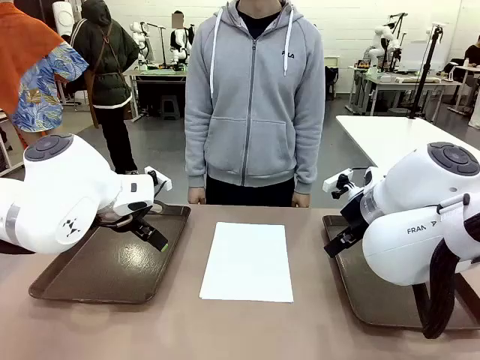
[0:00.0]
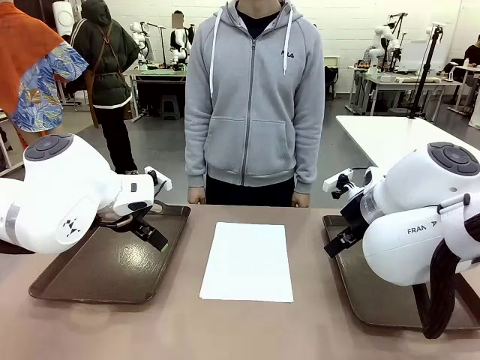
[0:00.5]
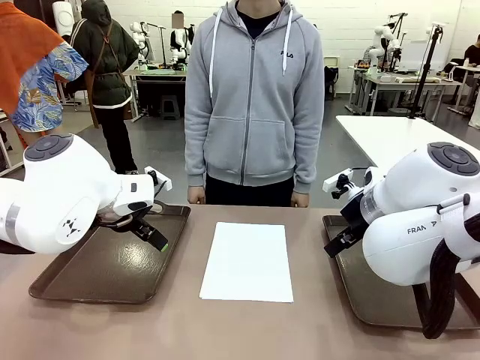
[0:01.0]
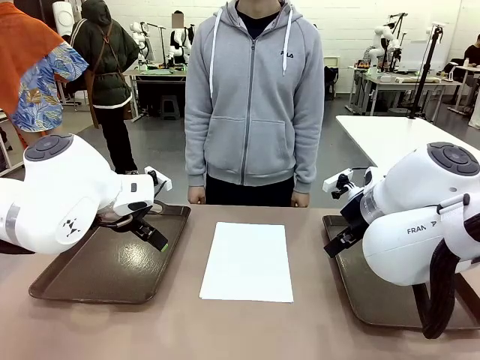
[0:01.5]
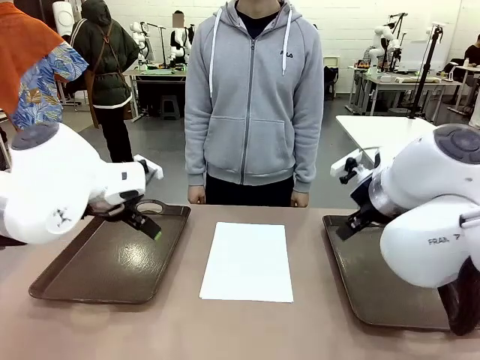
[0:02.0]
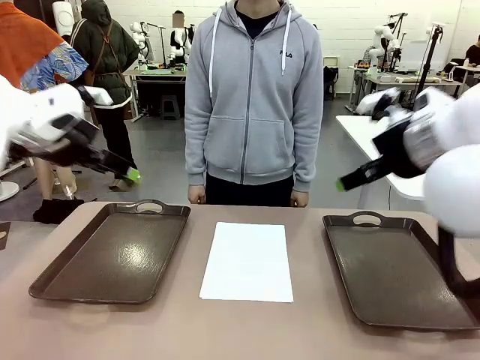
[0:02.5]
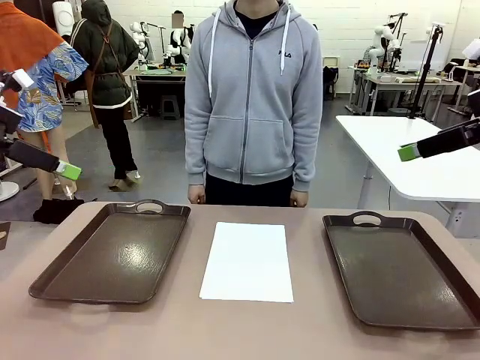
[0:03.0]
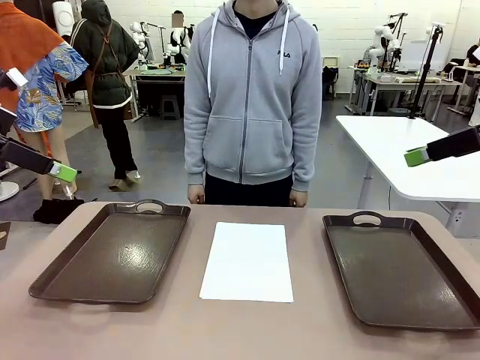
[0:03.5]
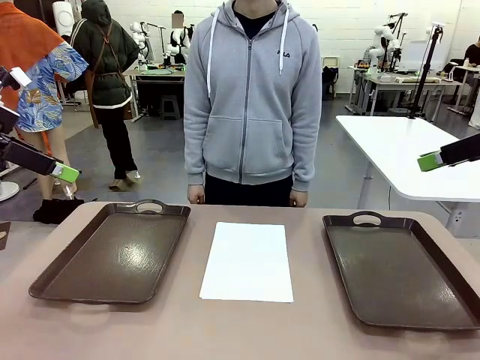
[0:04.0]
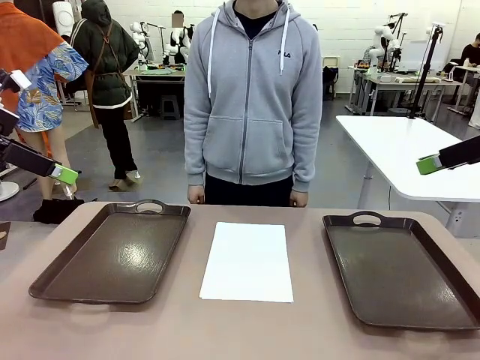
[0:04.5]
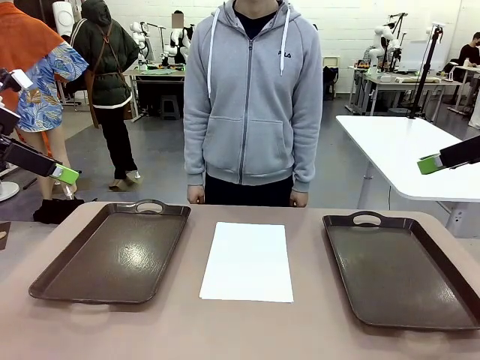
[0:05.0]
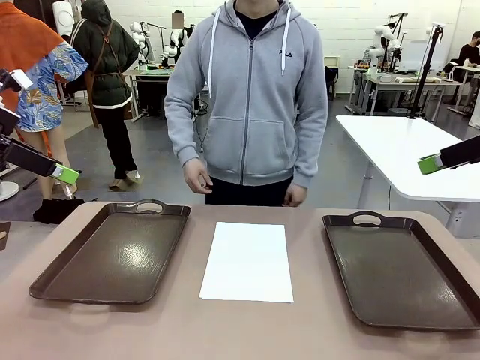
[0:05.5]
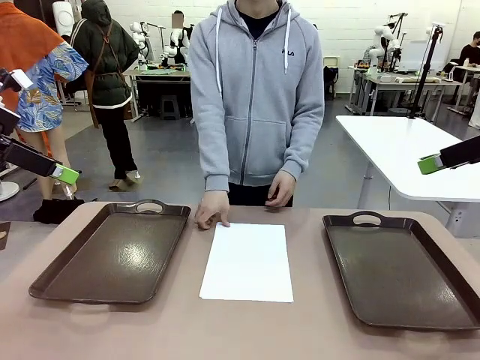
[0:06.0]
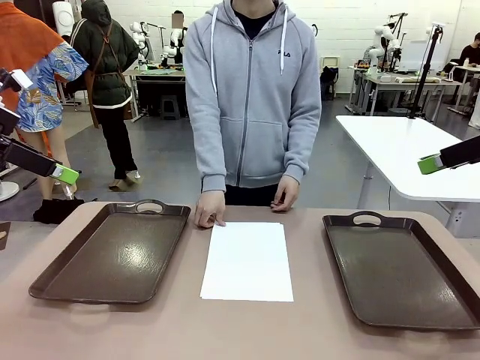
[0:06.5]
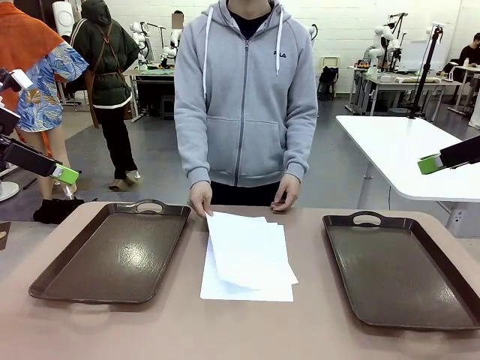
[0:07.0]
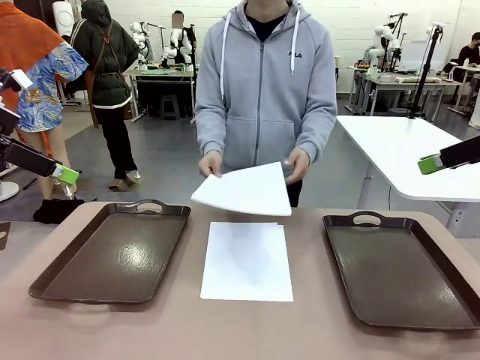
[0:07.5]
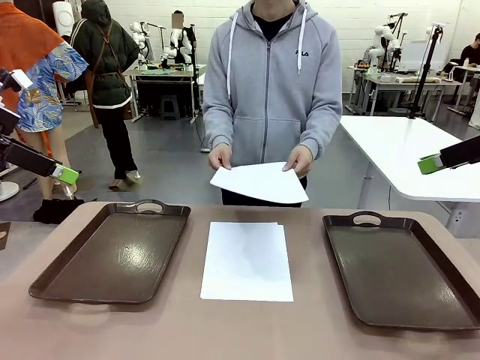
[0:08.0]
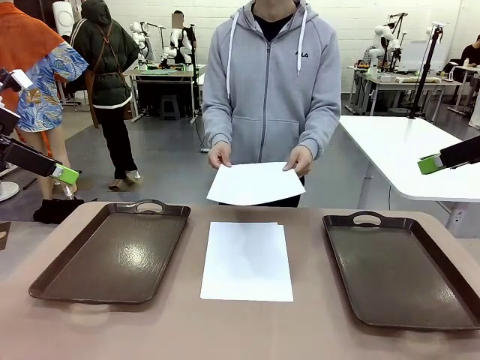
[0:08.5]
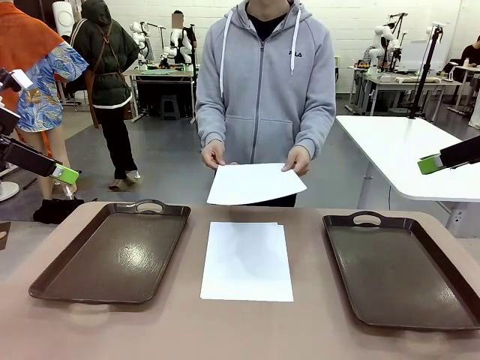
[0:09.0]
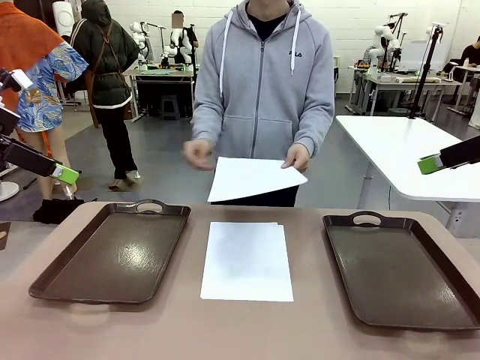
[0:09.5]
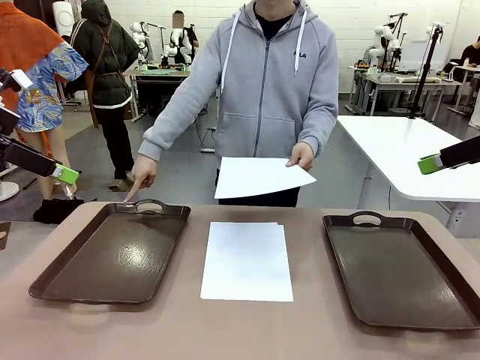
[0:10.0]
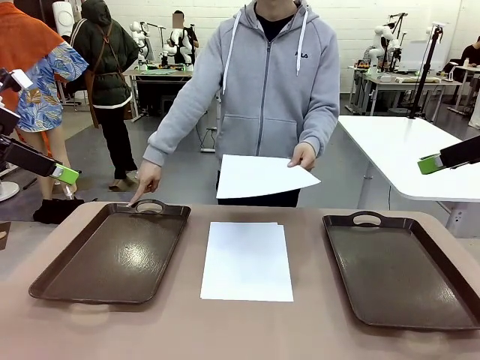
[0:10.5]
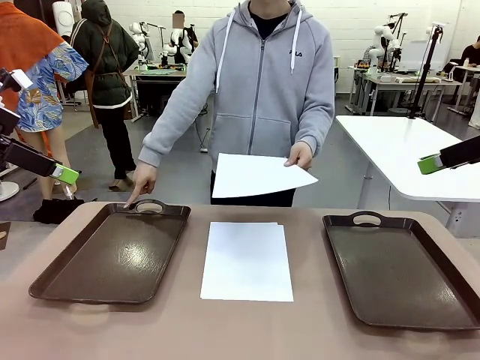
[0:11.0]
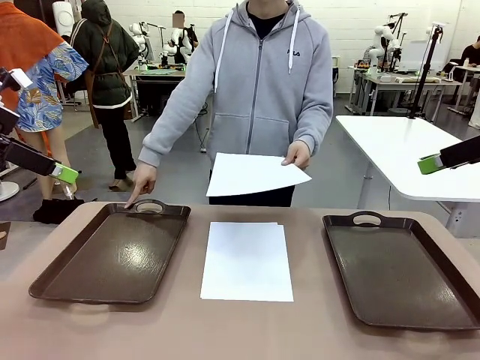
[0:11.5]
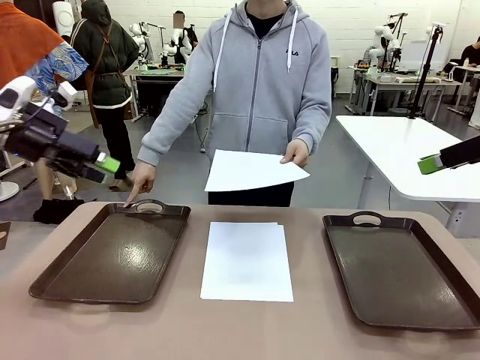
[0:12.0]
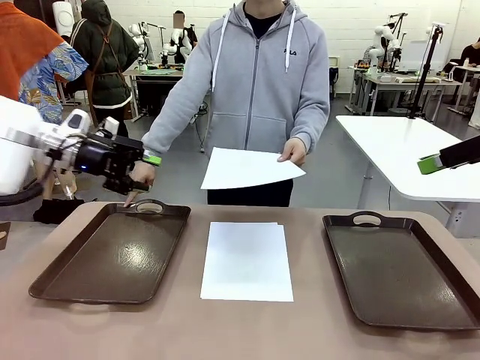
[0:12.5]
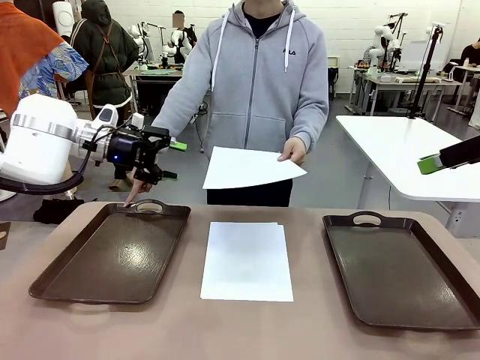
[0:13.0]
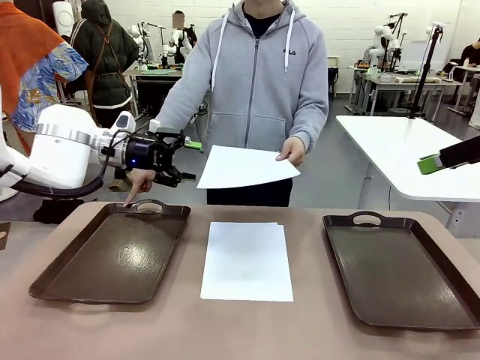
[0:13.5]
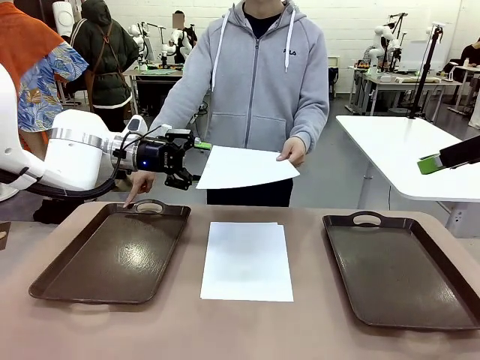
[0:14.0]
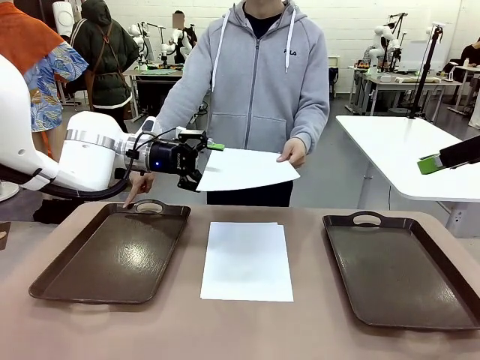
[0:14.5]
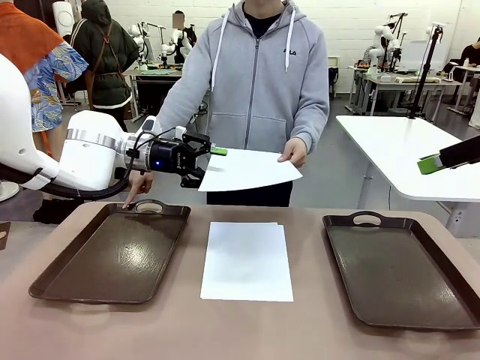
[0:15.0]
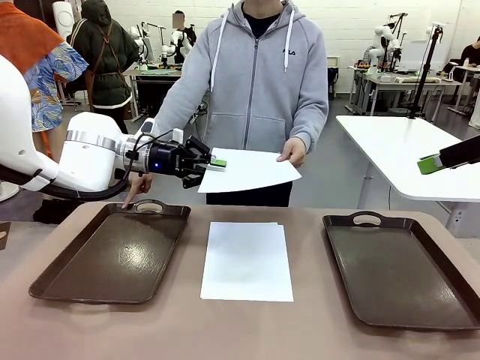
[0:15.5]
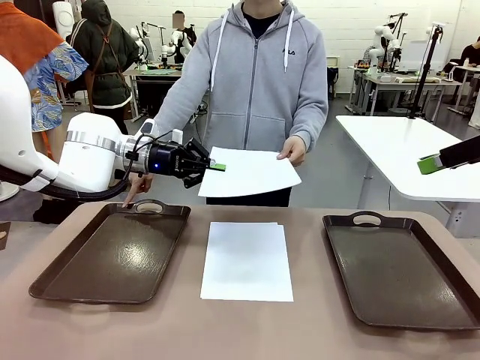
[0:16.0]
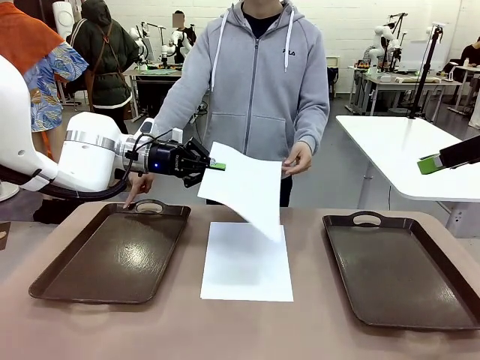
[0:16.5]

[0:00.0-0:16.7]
Task: Sort the A4 documents.
Robot: Receive the A4 Paper.
Person: Pick up a sheet of paper from the center of the table and hand it to the robot. Point the randomly selected tray with the other hand.

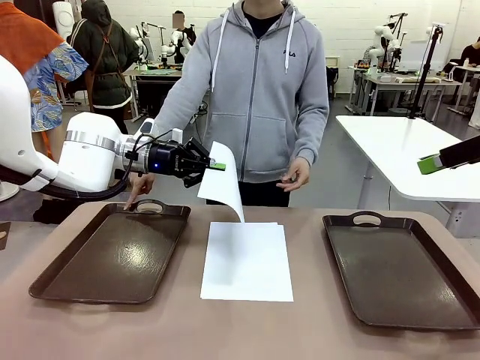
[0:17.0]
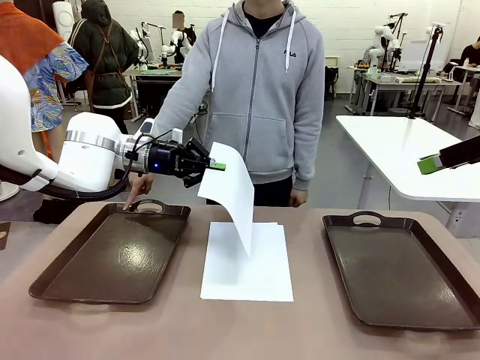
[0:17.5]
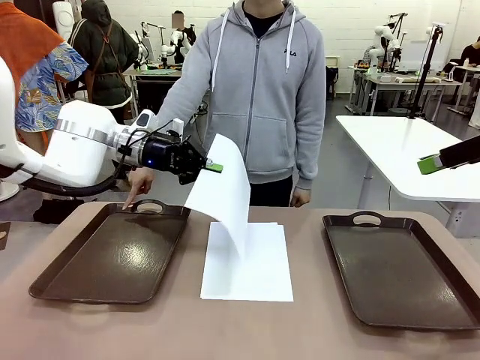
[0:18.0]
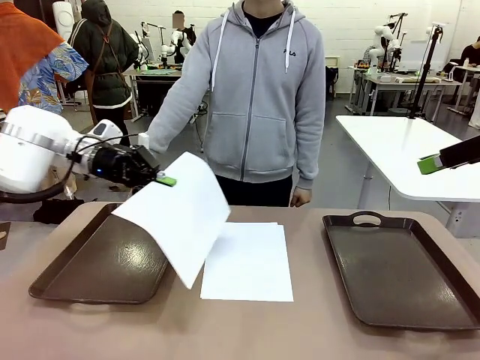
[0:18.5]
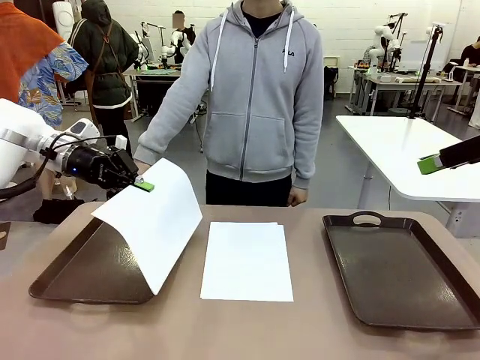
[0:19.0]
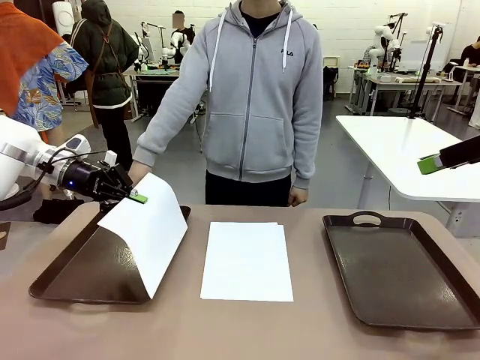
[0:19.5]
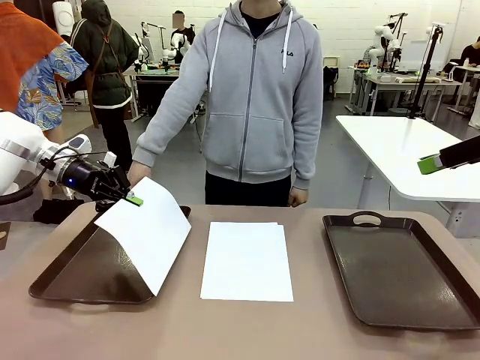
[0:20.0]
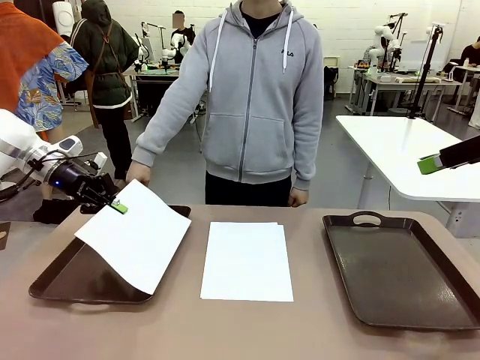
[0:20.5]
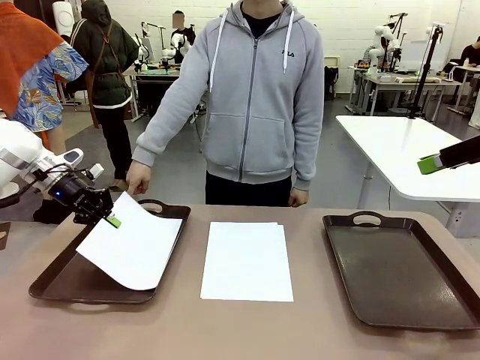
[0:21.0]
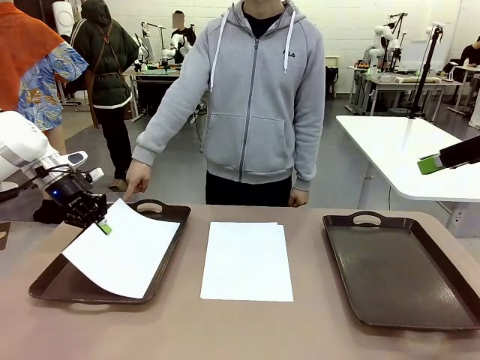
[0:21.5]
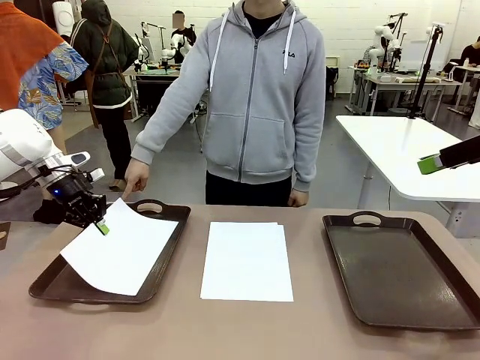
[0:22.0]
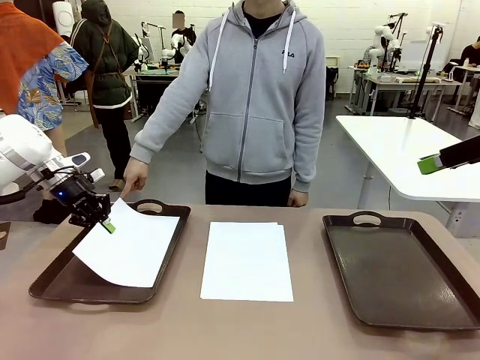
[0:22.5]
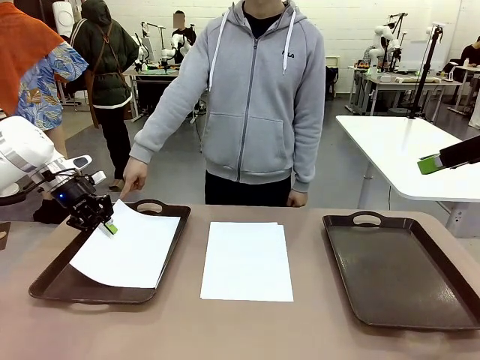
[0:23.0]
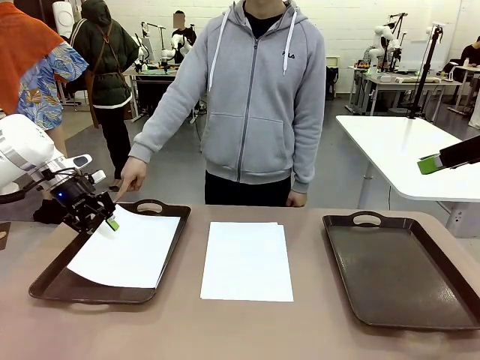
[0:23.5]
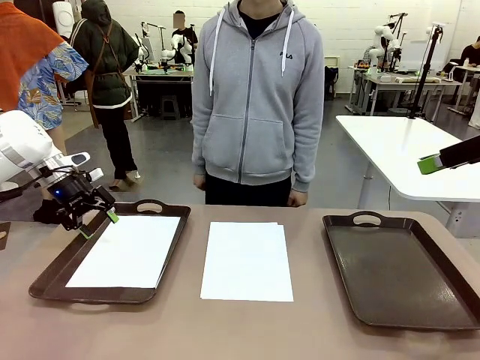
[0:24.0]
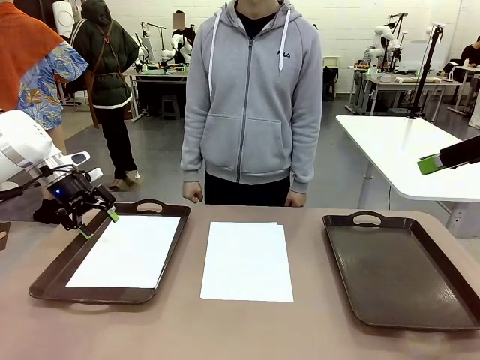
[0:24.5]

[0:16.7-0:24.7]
Robot: Place the A4 Paper in the designated Handle tray.

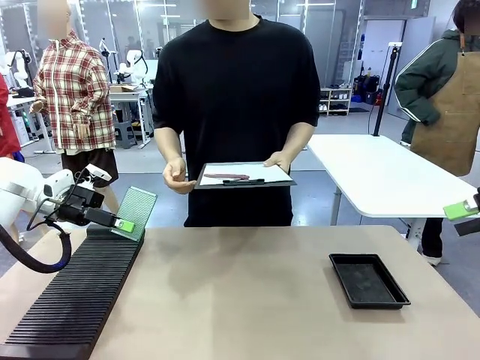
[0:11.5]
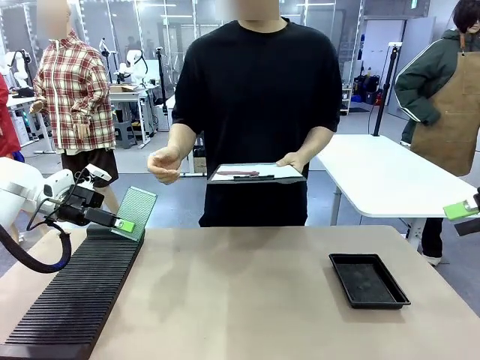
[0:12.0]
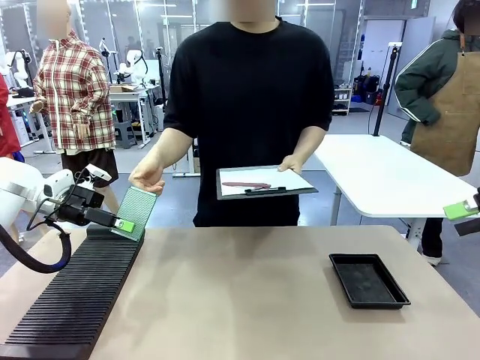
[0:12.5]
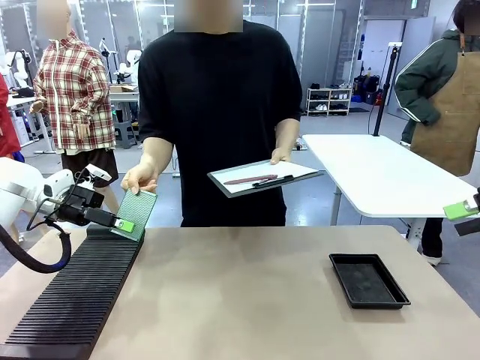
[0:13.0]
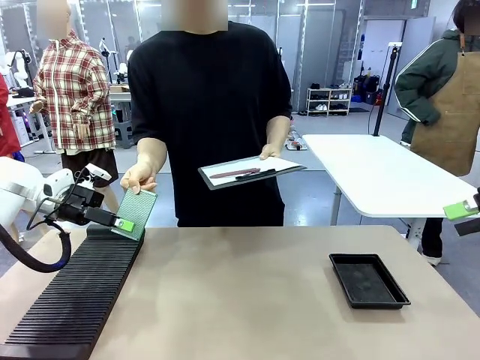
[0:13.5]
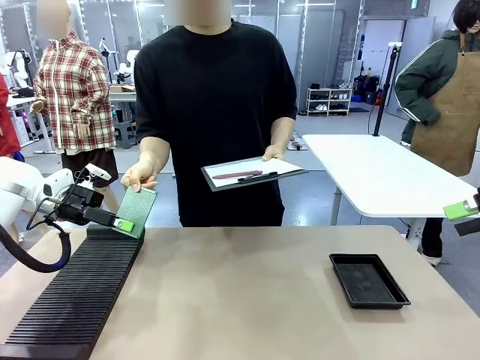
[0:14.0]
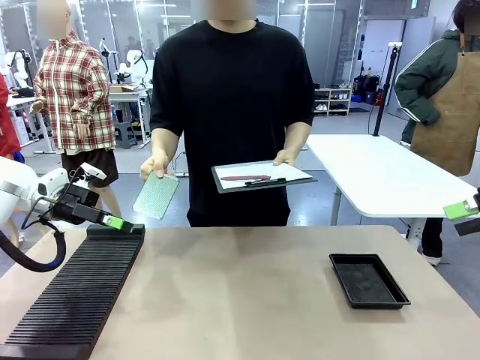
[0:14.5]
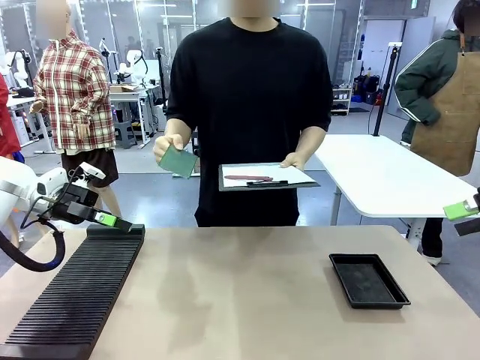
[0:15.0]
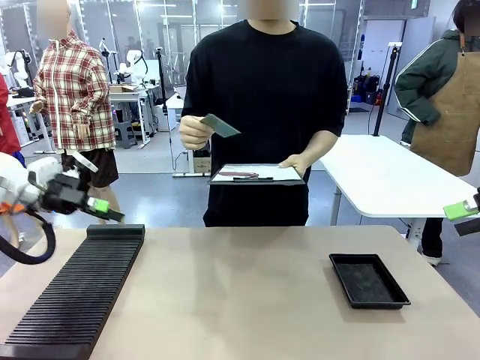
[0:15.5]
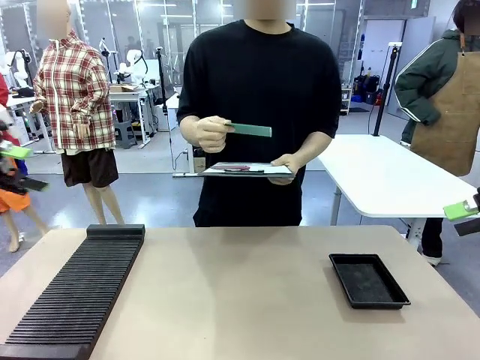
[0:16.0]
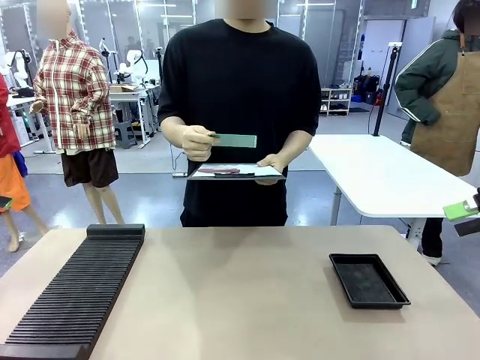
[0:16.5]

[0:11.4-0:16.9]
Task: Inspect the PCB.
Robot: Release the Blank PCB you were holding.
Person: Inspect the PCB placed by the robot, then hold it out in front of the robot.
